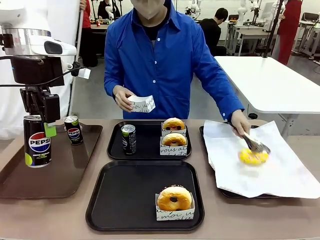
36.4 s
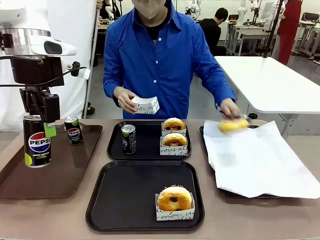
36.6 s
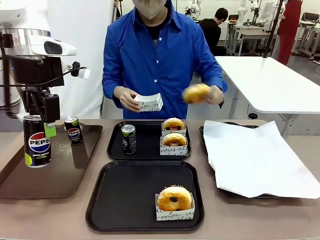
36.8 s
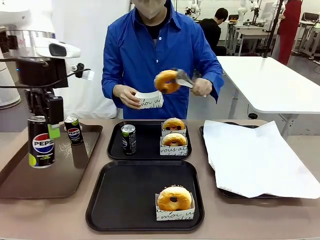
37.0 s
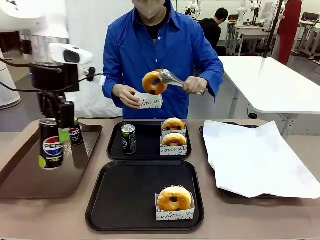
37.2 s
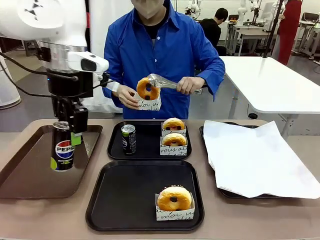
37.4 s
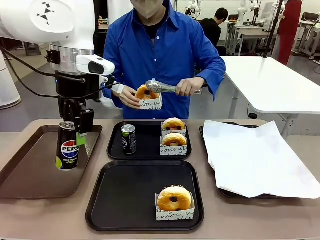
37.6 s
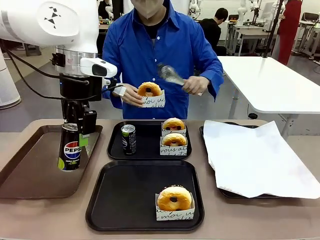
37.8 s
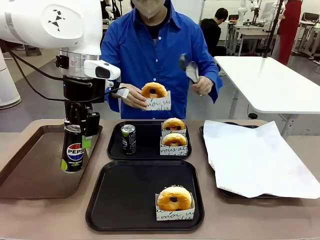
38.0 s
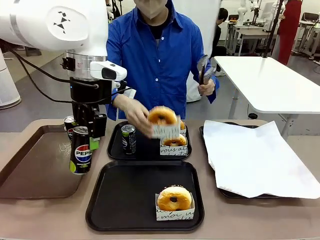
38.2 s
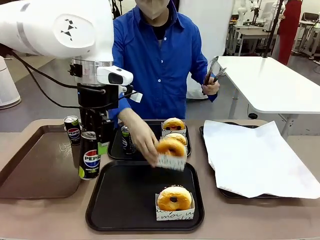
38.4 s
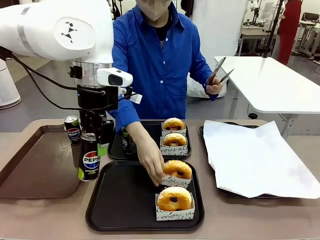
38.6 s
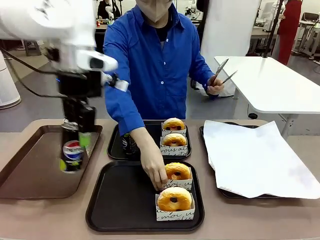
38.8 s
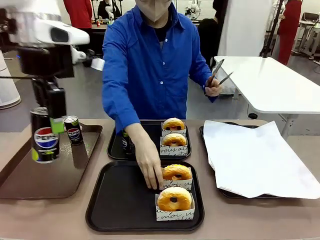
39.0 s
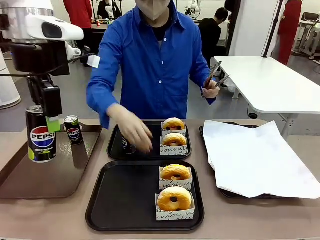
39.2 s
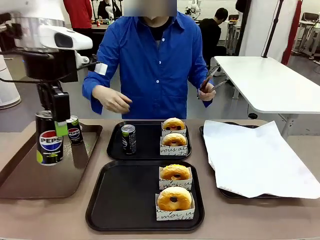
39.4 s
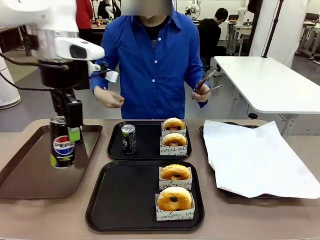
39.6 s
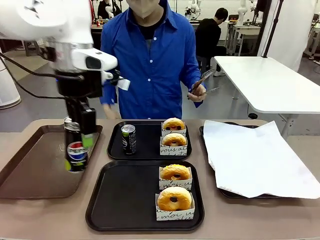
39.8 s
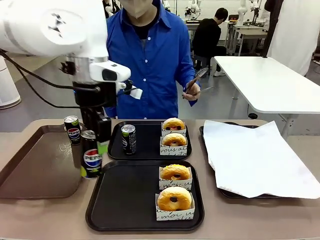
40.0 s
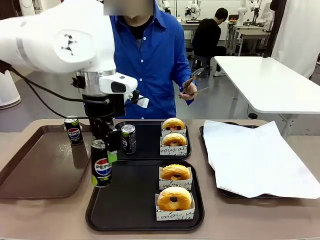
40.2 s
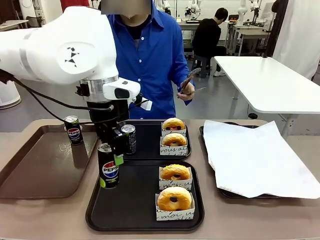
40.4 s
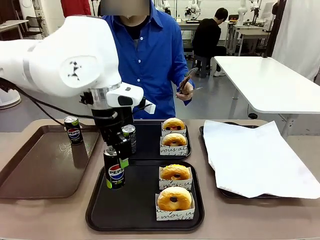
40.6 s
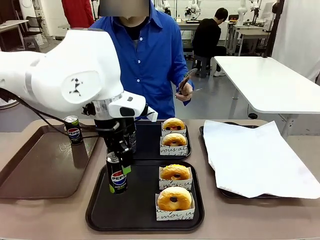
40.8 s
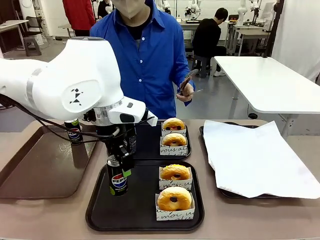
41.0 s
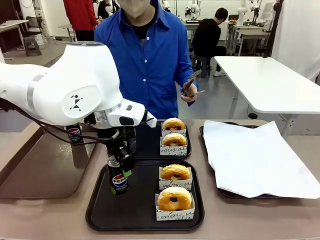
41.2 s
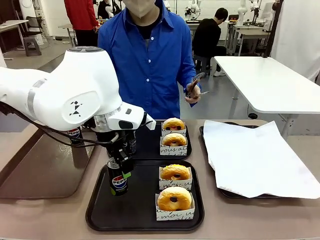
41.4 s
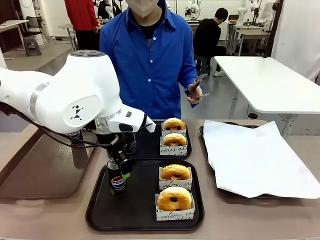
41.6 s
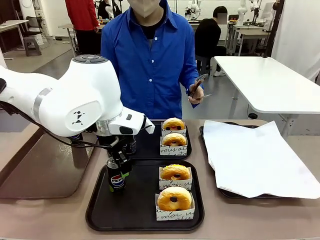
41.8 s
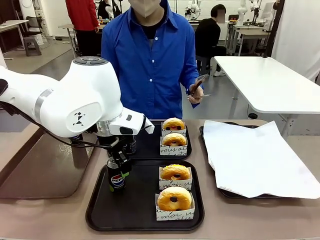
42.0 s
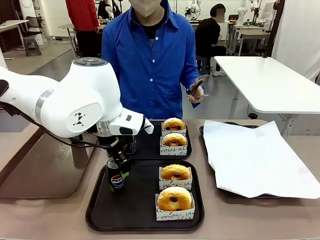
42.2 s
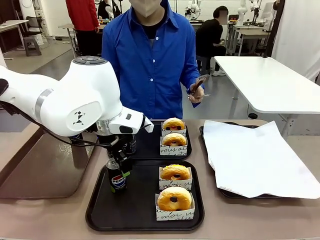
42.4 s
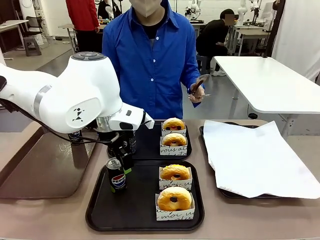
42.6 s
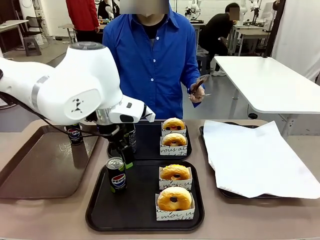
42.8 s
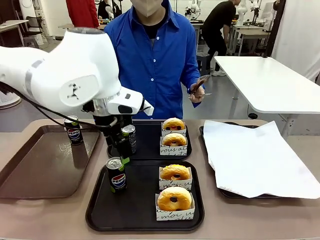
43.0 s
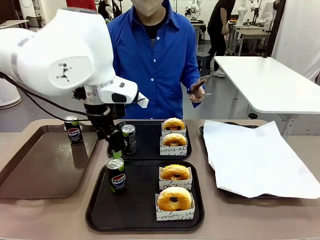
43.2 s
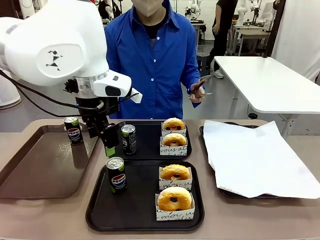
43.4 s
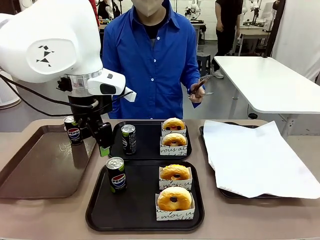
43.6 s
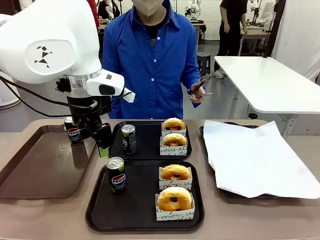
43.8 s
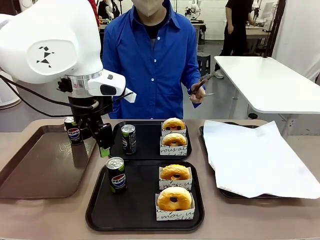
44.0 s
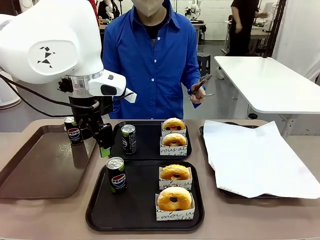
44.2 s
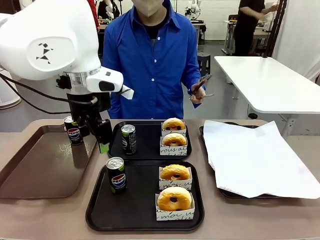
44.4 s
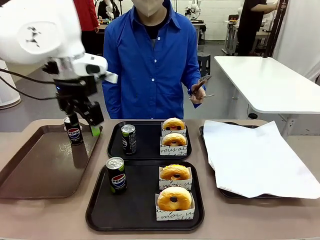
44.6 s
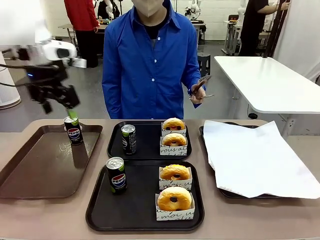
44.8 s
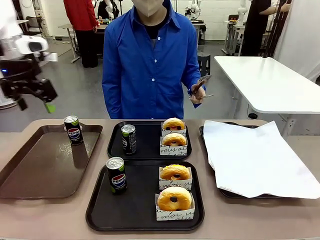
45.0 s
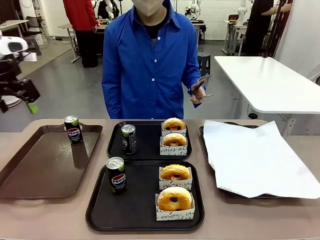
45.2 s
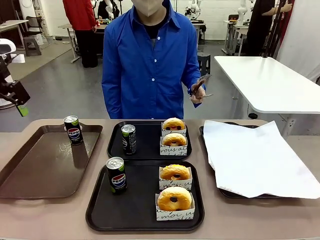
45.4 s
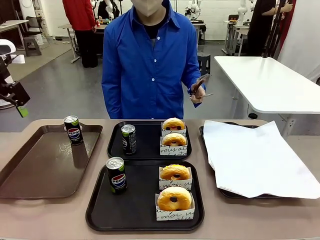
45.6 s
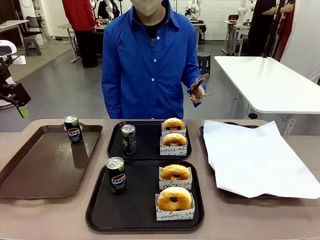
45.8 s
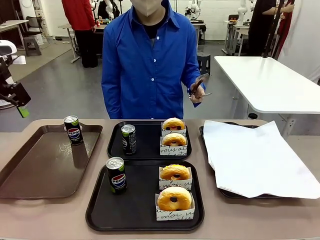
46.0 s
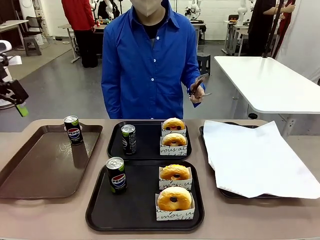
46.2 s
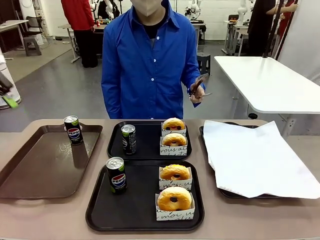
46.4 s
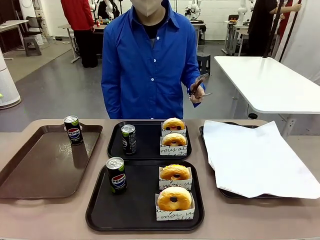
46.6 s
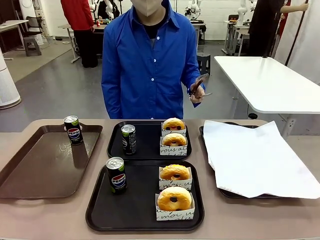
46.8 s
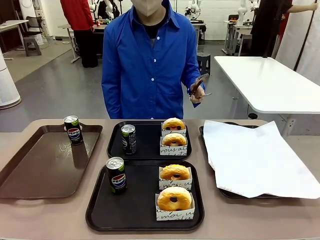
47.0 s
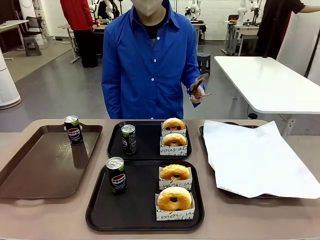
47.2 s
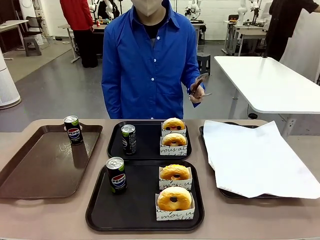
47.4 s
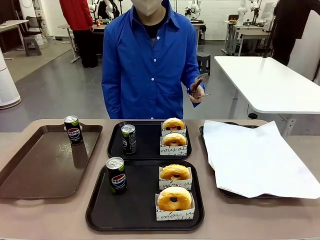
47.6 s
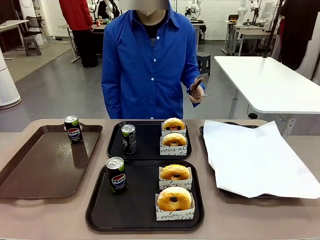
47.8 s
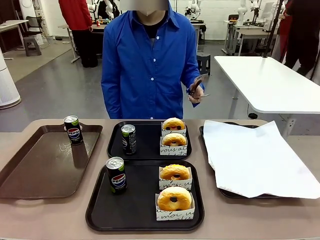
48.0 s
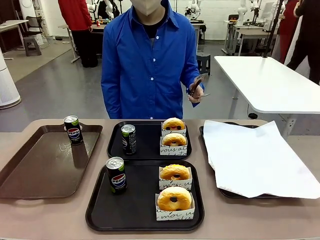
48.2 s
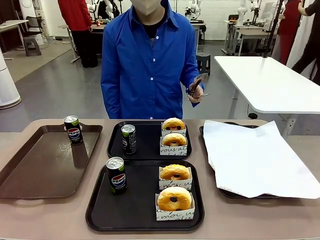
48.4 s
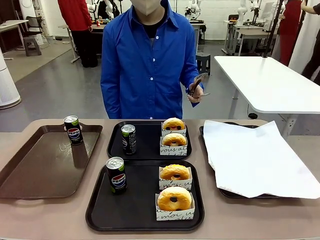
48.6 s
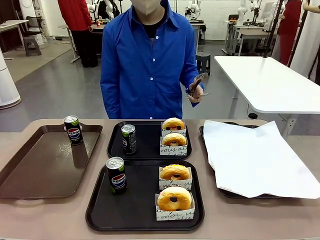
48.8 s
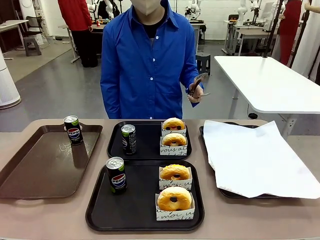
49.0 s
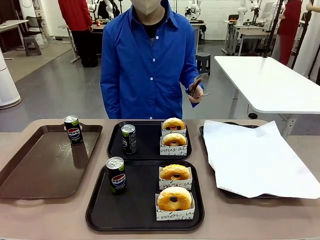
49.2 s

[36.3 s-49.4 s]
Task: Set up donuts and drinks on trays.
Robot: Pick up one Pepsi coke from the Handle tray and place it on the Flat Tray without a Pepsi coke.

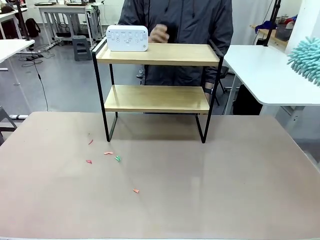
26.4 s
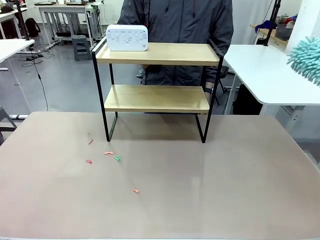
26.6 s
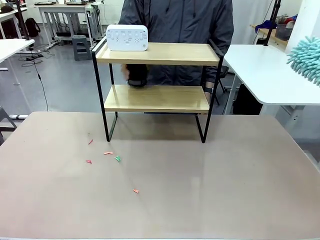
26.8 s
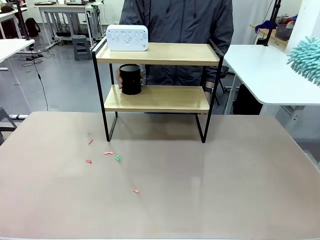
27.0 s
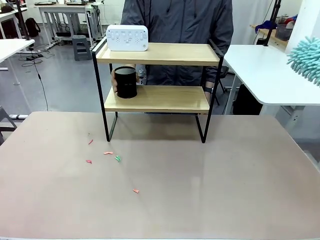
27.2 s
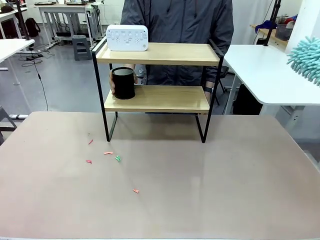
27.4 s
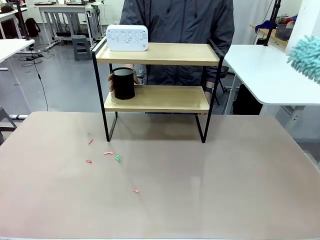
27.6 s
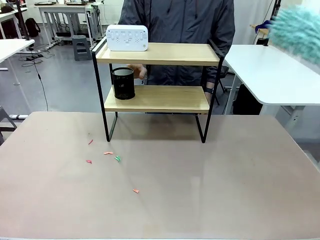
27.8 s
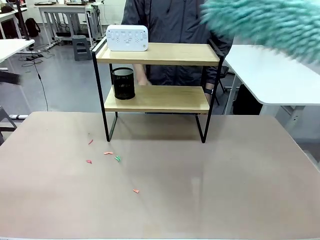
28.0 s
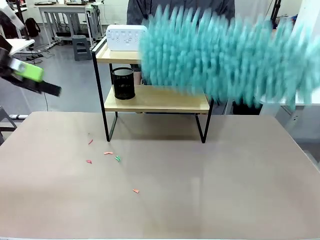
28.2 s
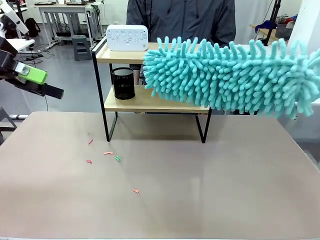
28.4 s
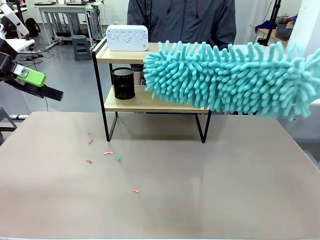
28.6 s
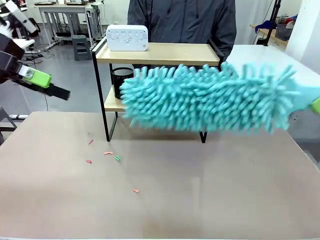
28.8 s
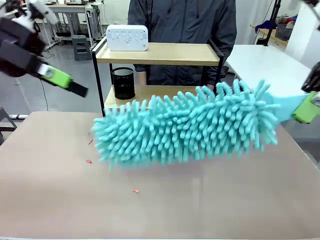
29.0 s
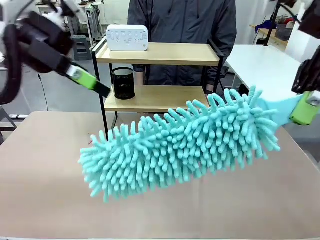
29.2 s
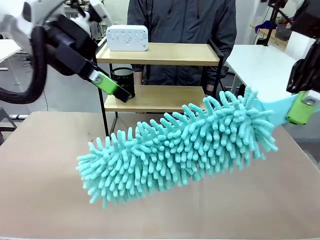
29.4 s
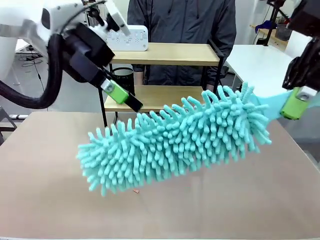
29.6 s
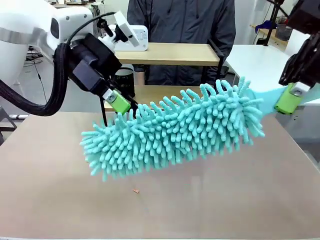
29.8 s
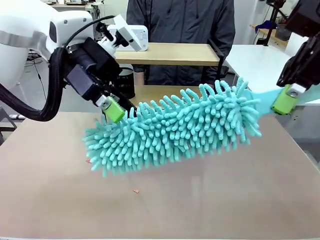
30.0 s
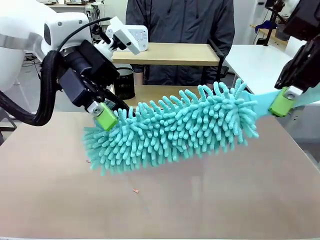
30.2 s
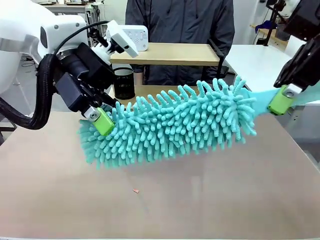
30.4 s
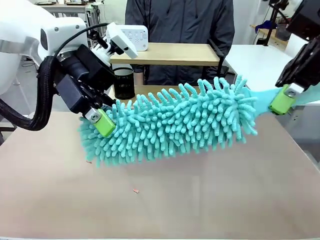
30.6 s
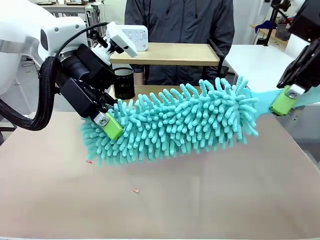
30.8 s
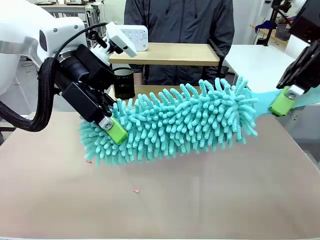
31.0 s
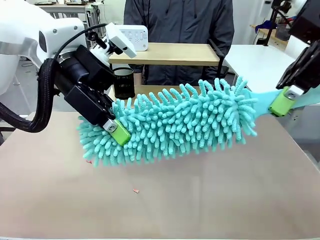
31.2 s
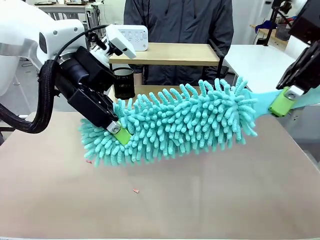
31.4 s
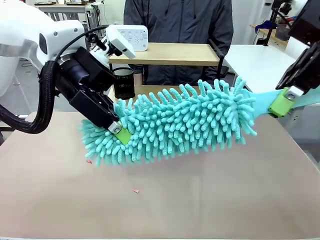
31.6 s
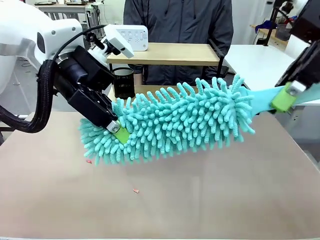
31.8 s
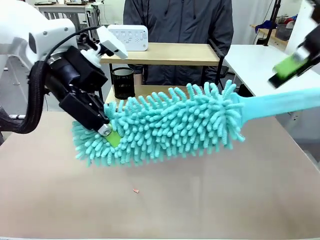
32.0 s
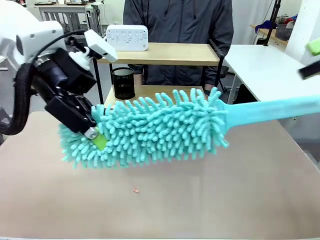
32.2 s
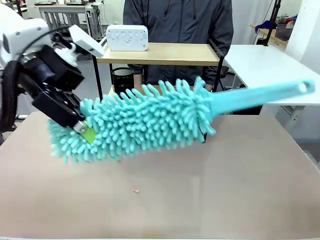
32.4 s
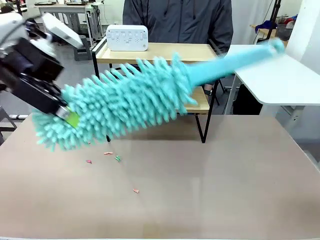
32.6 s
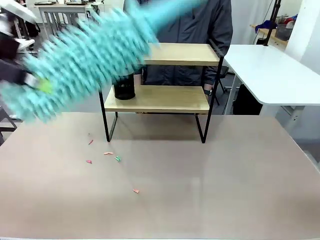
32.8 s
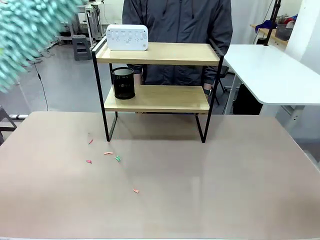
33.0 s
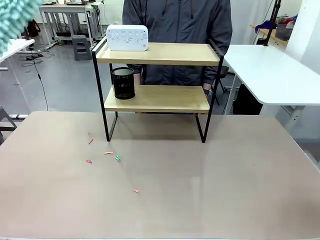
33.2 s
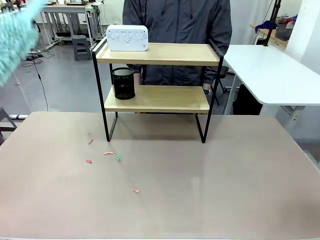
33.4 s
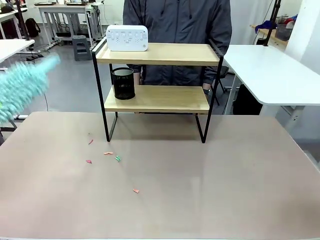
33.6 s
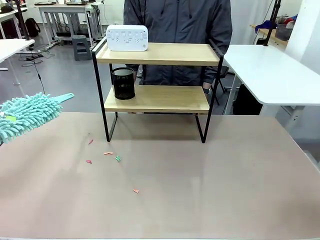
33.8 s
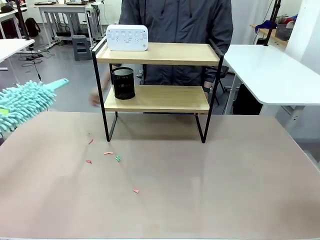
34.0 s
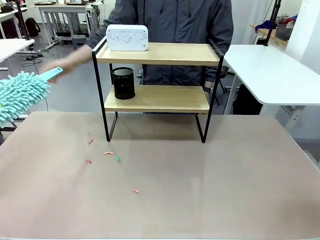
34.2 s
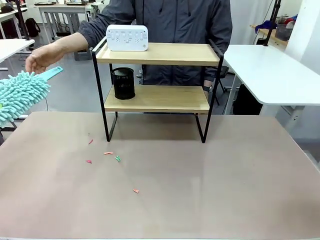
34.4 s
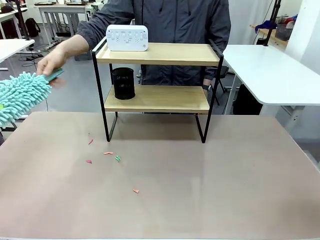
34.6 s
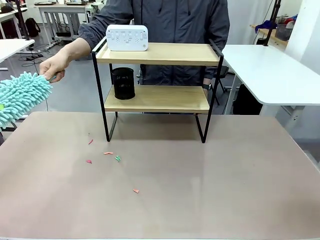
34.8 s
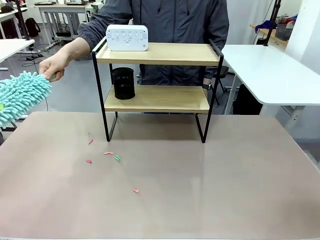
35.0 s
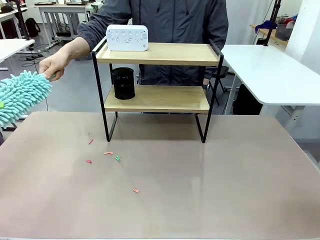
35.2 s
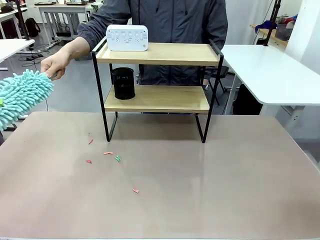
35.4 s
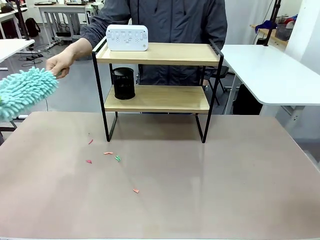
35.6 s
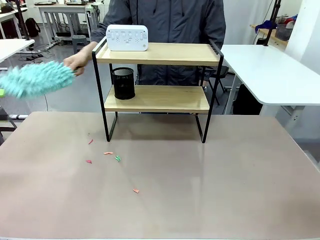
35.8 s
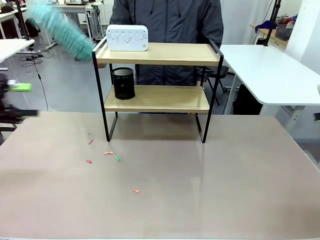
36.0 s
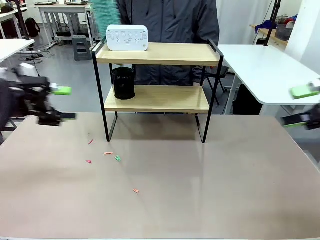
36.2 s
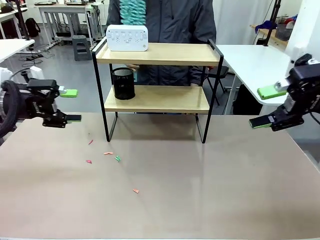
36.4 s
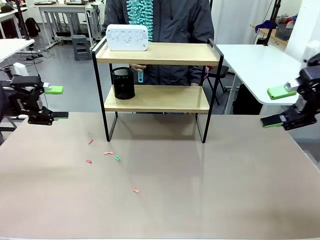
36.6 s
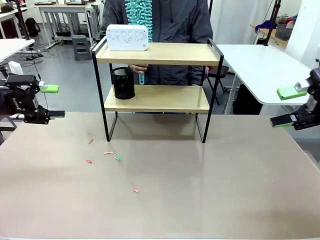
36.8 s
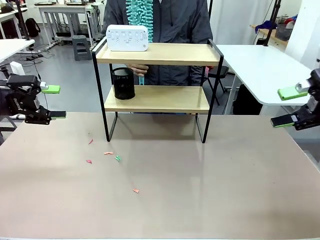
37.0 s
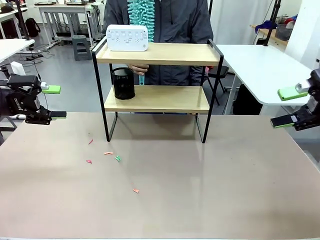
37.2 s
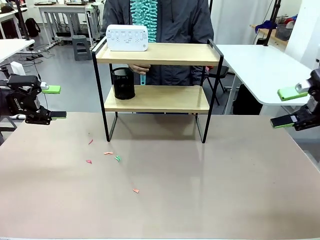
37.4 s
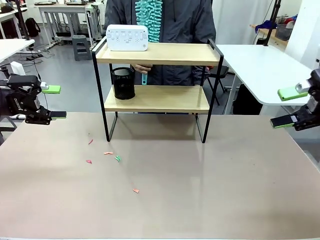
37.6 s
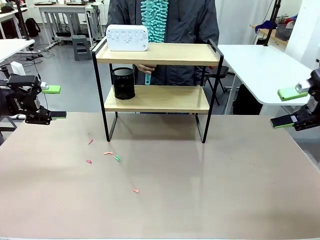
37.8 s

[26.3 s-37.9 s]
Task: Clean the shelf.
Robot: Hand the Duster back to the human.
Person: Receive the Duster from the robot.
